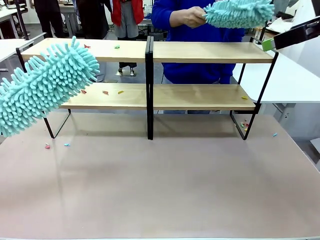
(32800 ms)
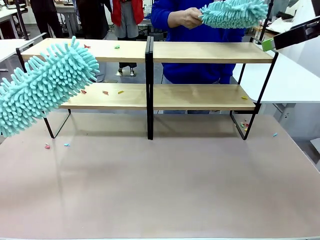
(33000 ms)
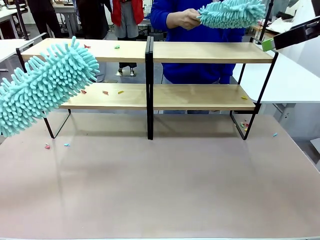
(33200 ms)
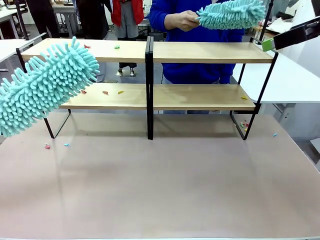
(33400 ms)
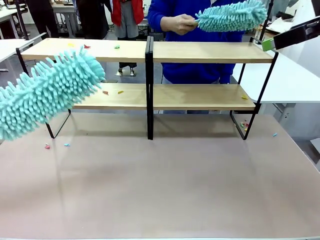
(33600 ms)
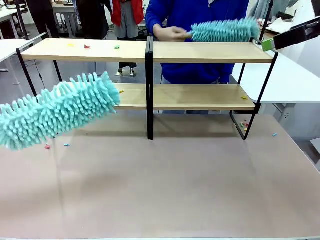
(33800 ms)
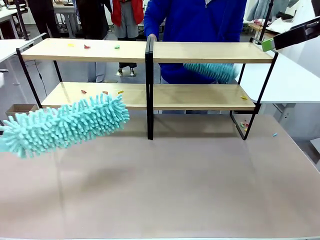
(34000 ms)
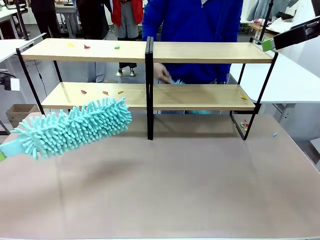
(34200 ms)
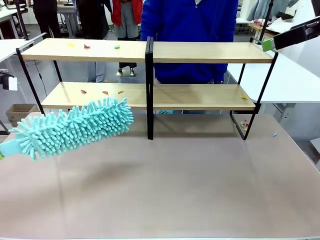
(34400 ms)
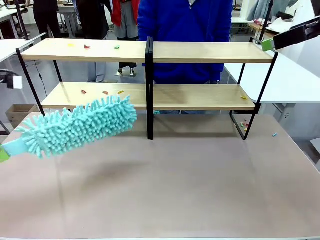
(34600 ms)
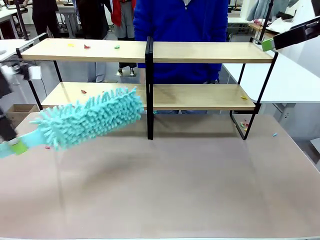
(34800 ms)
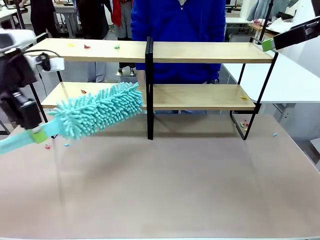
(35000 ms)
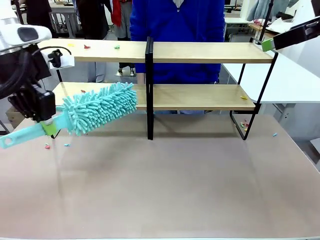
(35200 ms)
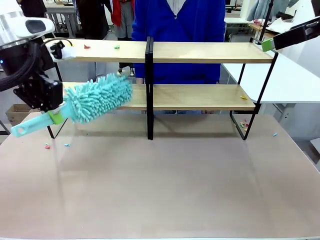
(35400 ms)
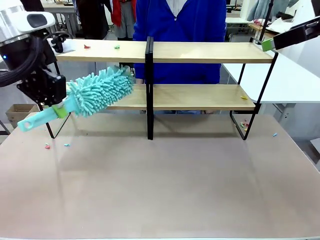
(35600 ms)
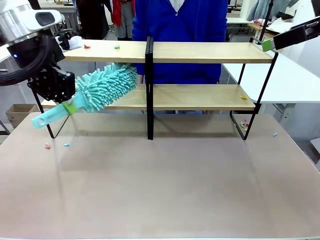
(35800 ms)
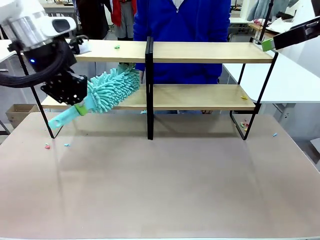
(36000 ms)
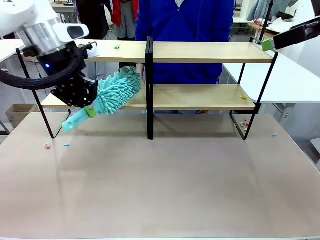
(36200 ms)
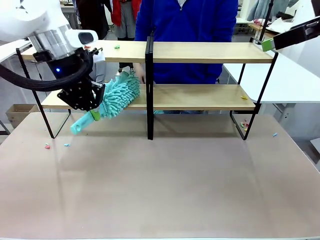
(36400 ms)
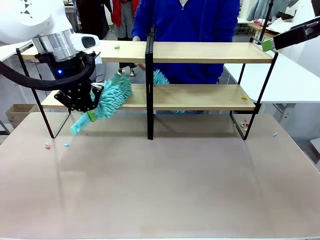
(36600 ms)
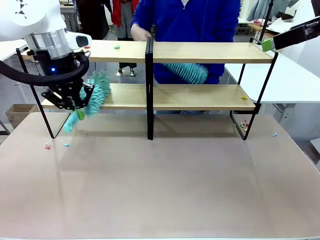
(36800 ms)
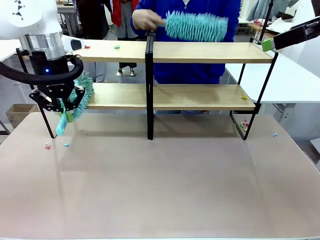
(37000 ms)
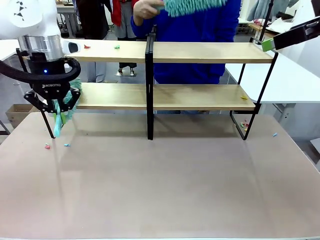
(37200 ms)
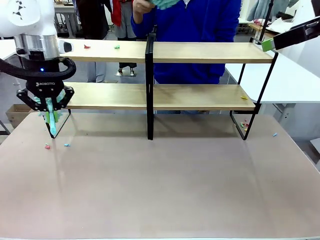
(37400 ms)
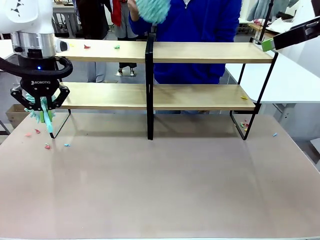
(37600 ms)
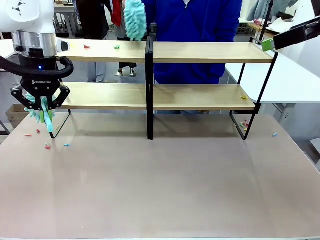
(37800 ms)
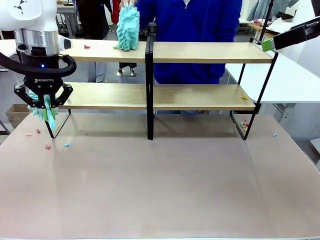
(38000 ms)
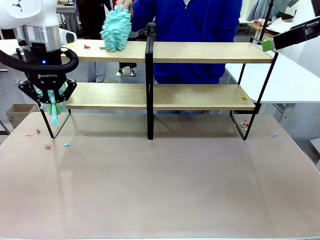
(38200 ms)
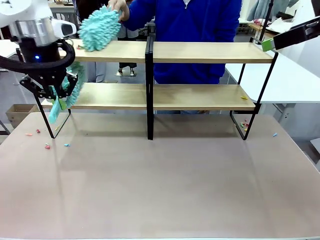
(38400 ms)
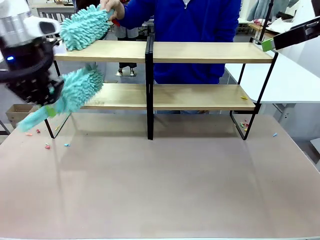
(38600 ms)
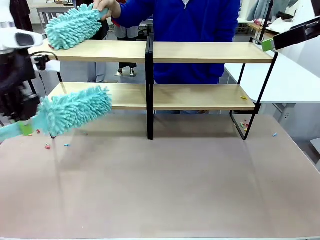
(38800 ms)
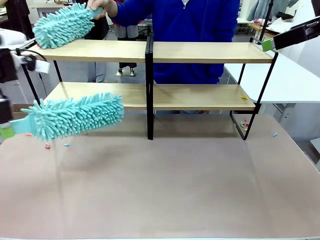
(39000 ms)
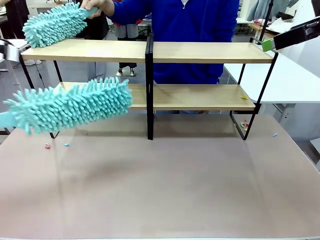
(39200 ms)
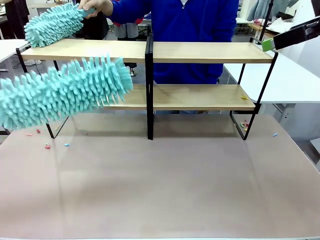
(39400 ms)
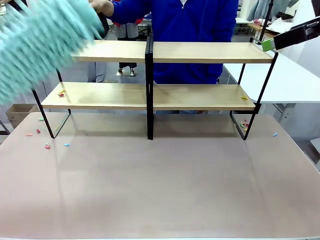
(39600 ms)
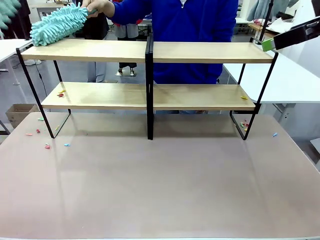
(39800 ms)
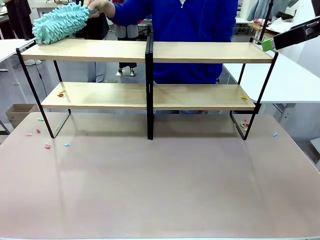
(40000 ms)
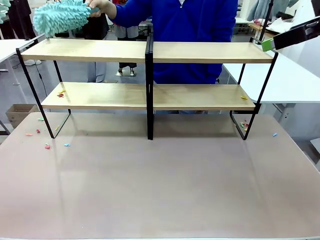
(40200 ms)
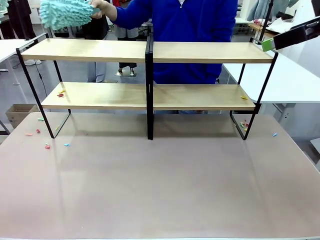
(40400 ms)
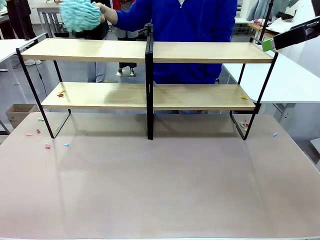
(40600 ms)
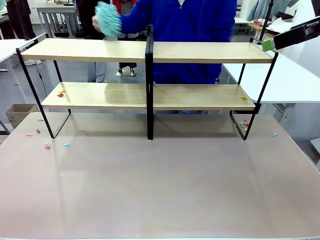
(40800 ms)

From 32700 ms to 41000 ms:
Task: Clean the shelves.
Robot: Clean another randomly selected level of the Shelf with the Duster.

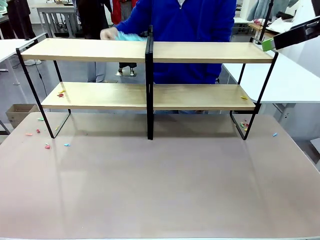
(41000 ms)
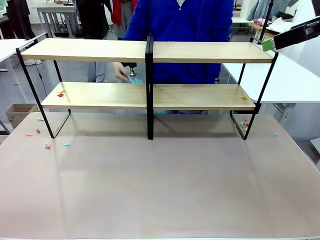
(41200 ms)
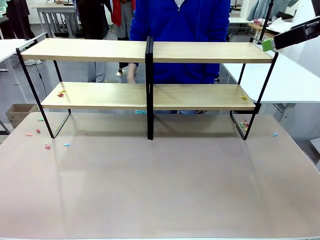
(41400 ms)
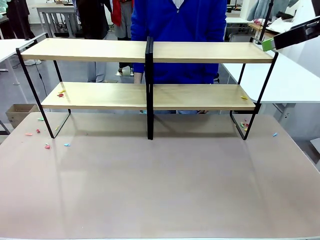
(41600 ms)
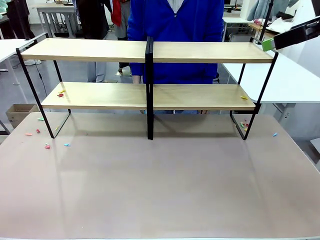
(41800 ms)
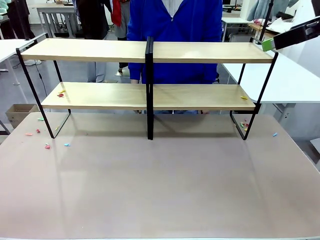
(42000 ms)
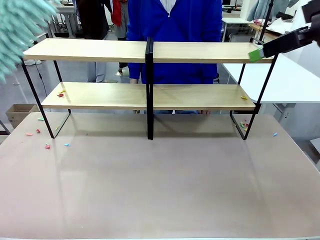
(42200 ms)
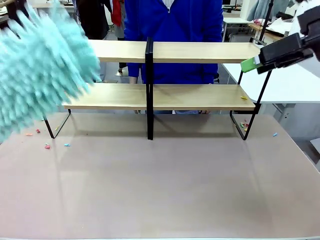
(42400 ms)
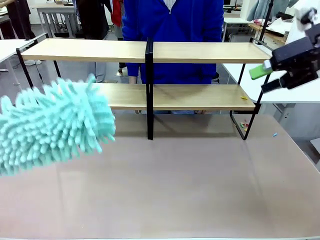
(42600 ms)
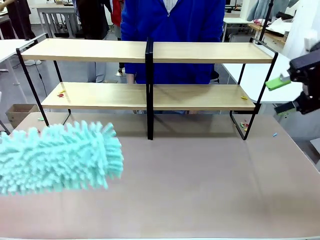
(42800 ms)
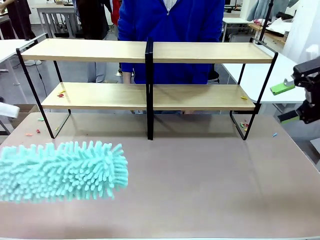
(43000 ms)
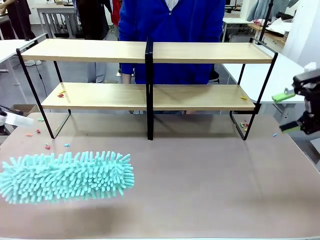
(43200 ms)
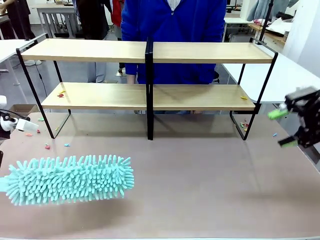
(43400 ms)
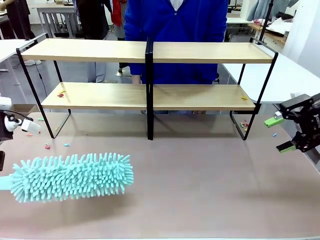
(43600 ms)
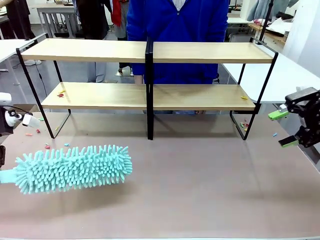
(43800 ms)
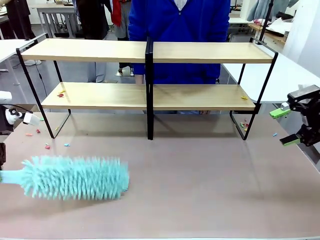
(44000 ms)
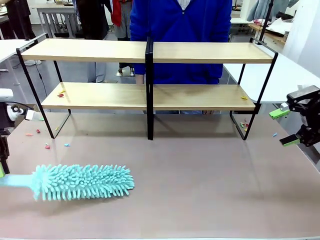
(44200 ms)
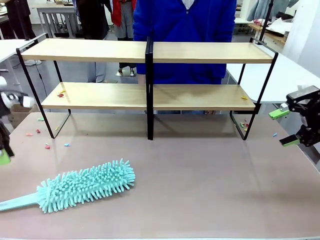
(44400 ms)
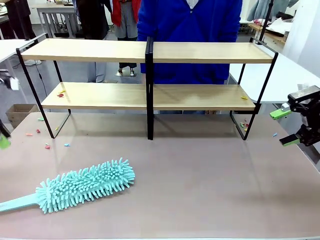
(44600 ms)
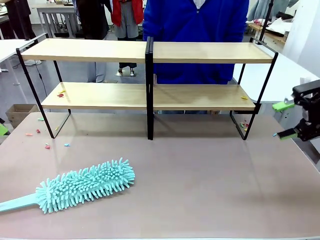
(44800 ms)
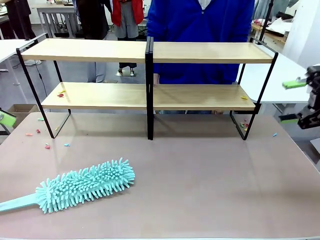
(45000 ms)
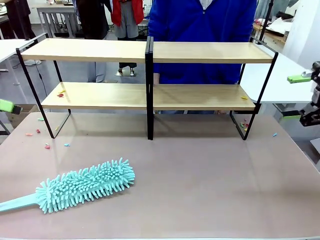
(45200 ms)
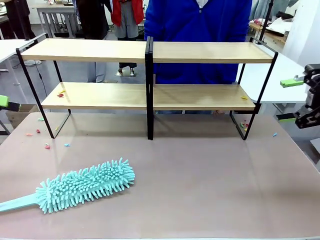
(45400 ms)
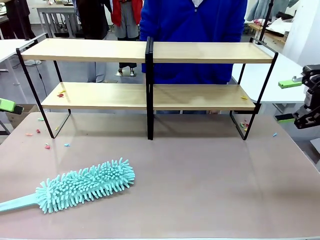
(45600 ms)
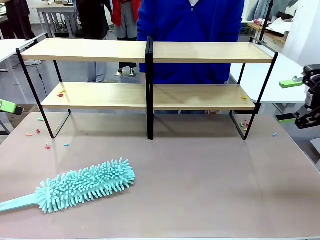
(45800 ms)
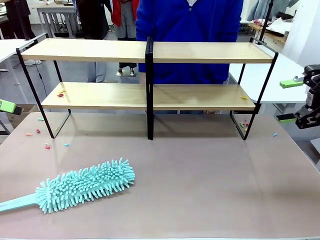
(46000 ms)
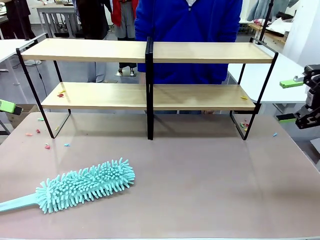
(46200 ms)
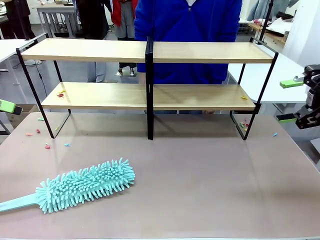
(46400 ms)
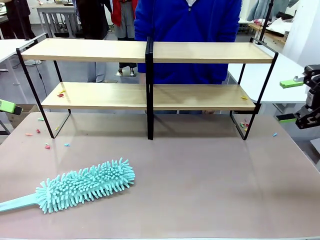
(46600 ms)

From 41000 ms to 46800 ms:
Robot: Place the Duster on the table.

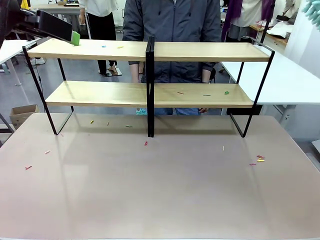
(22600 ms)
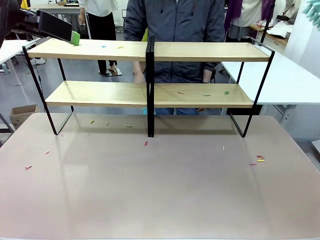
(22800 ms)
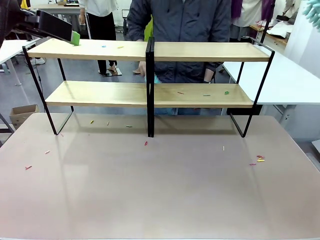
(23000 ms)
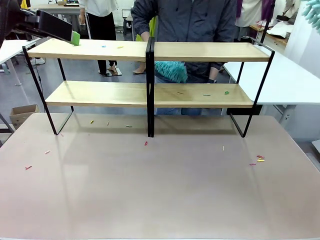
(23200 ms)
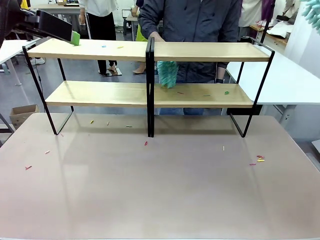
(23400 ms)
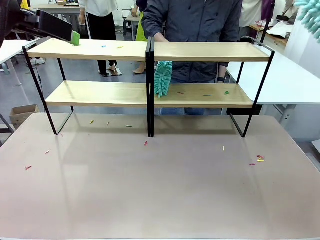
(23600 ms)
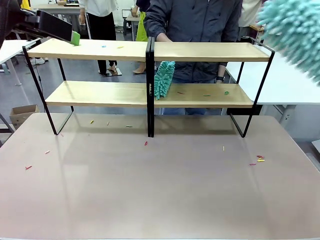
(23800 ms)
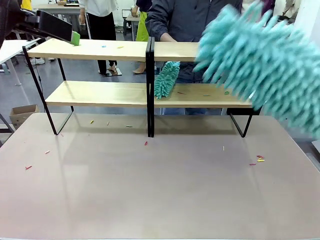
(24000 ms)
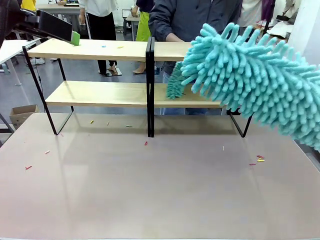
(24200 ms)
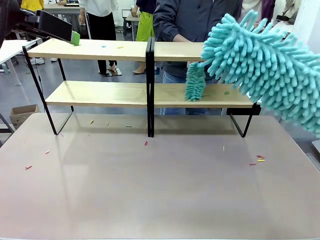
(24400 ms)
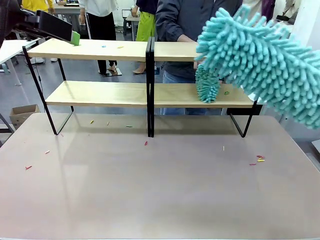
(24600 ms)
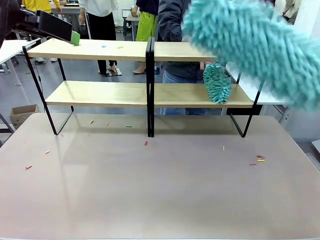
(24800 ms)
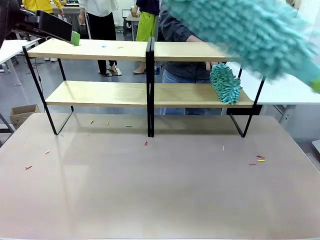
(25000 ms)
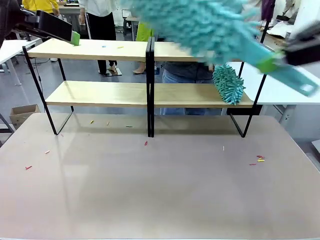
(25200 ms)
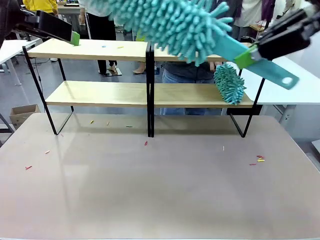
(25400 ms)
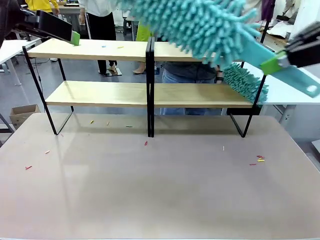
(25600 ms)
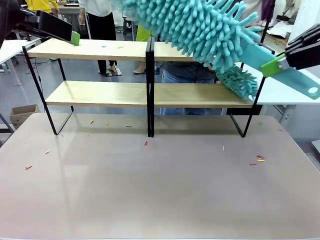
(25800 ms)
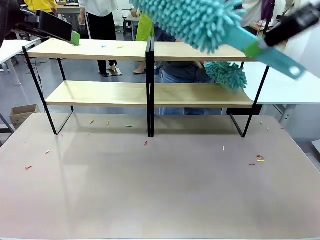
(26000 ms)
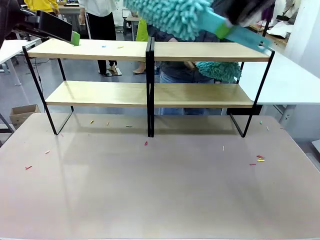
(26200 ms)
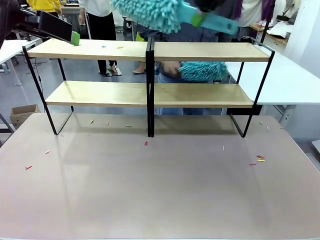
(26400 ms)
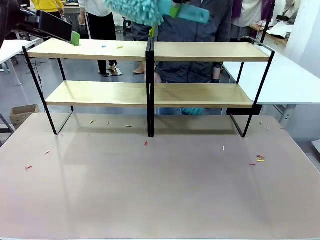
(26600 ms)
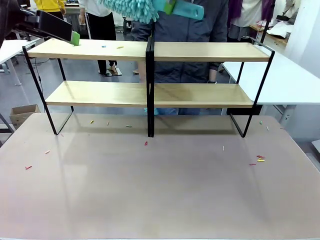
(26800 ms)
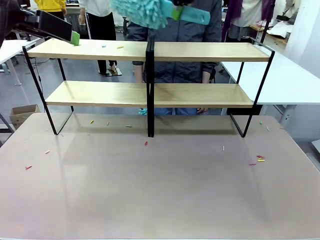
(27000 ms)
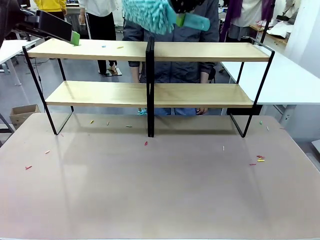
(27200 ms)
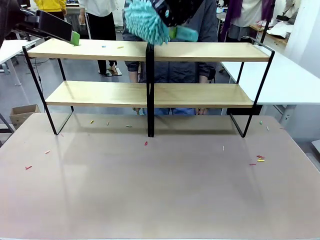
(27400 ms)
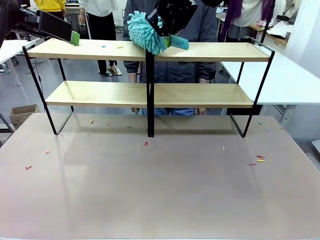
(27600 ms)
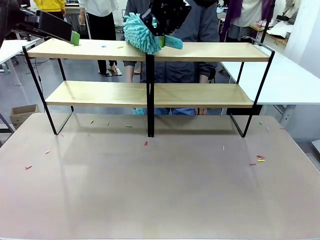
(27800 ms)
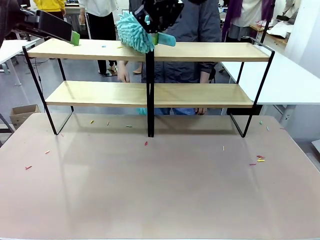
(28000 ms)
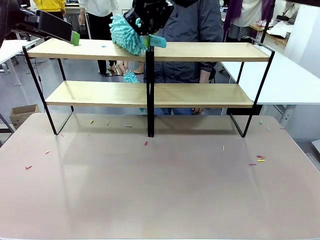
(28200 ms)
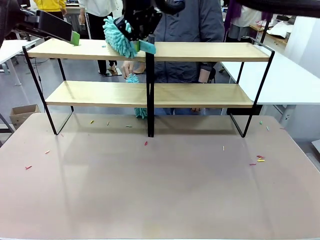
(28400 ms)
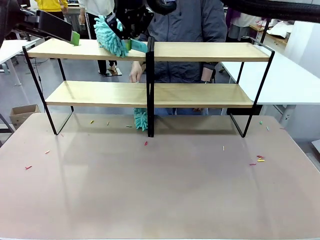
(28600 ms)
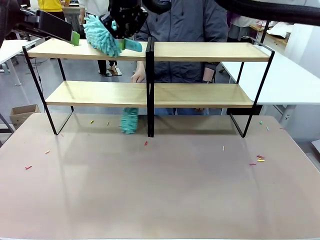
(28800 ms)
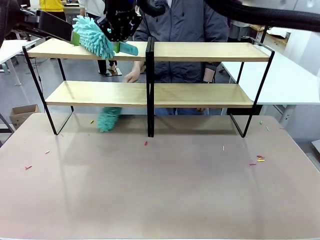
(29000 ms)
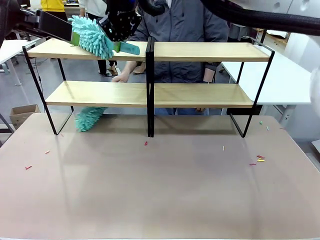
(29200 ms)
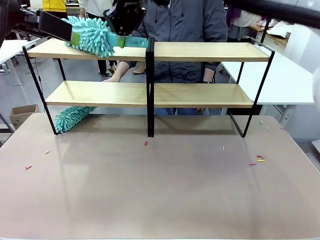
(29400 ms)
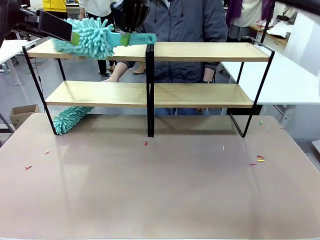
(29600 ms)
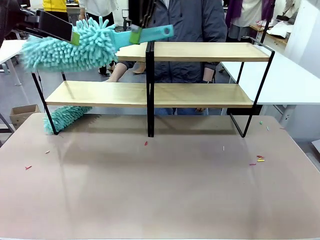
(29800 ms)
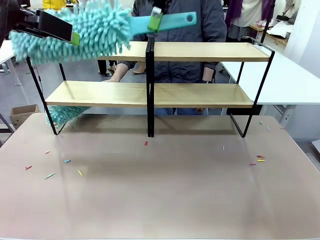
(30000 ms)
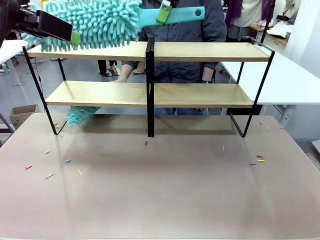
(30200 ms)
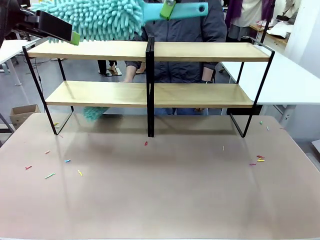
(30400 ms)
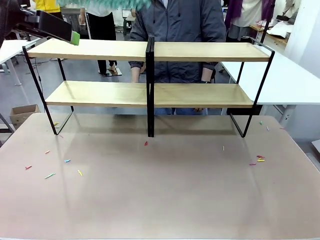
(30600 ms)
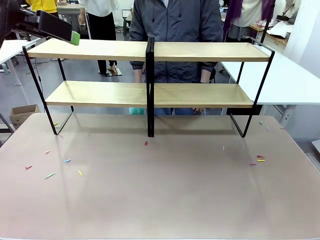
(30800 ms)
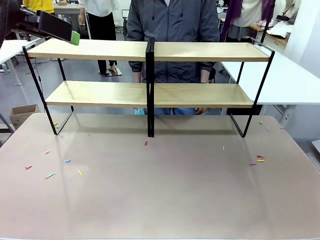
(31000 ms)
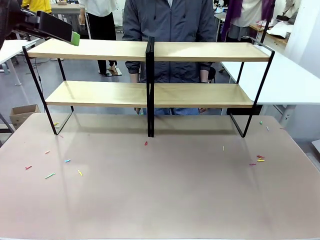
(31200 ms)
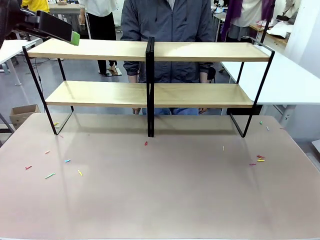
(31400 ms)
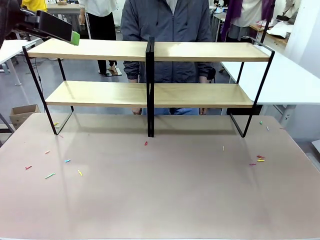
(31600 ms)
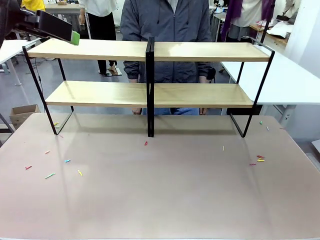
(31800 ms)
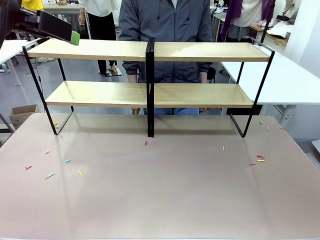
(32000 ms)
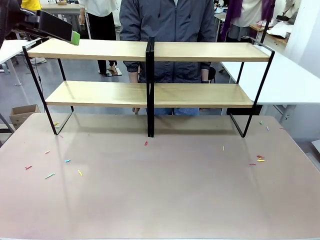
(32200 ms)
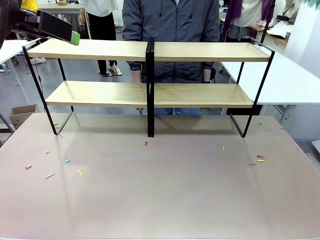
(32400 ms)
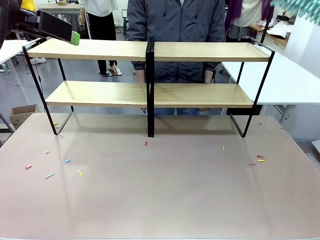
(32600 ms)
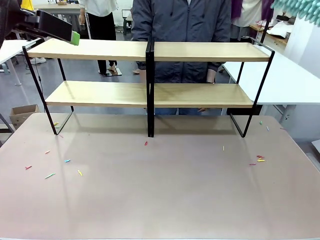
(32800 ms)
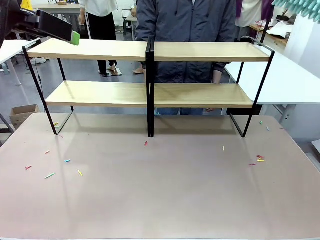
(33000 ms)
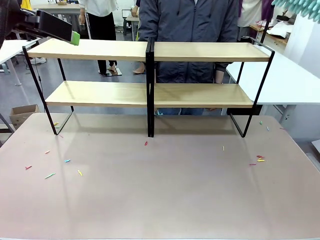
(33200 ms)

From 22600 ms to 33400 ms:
Task: Clean the shelves.
Robot: Clean another randomly selected level of the Shelf with the Duster.
